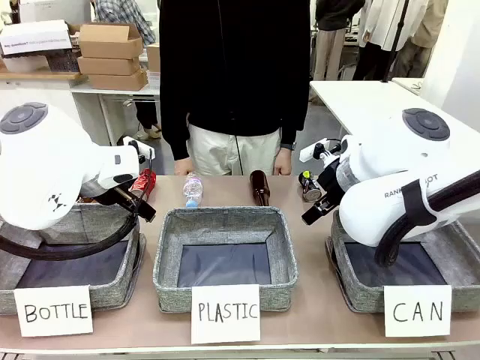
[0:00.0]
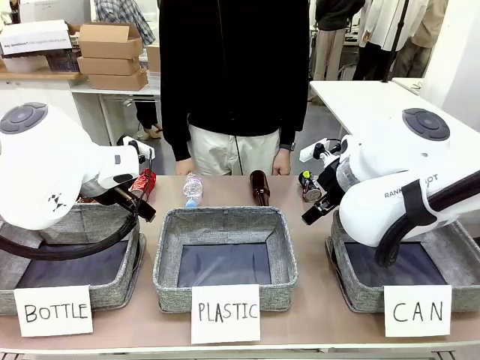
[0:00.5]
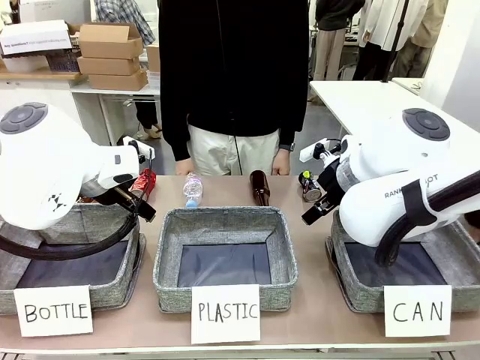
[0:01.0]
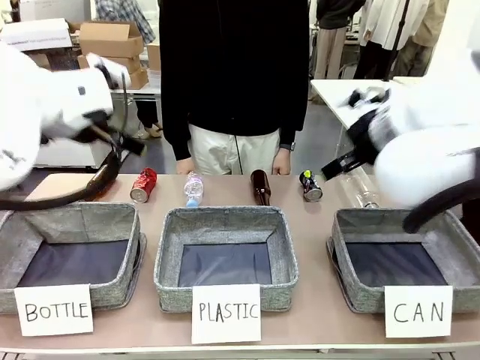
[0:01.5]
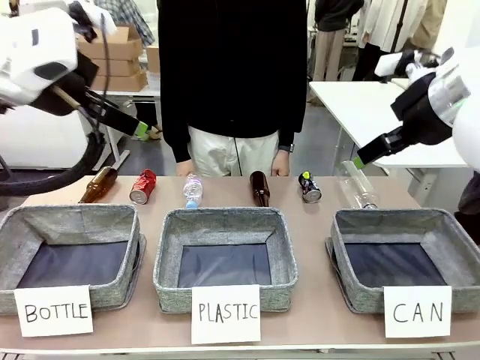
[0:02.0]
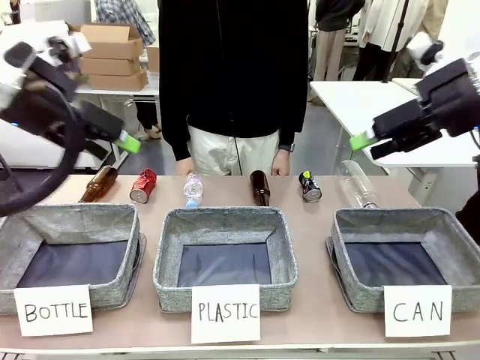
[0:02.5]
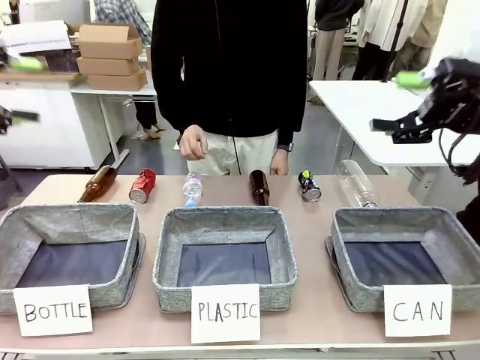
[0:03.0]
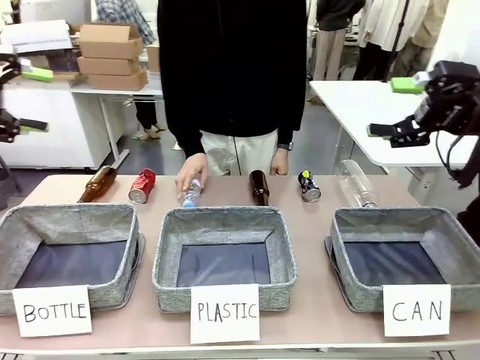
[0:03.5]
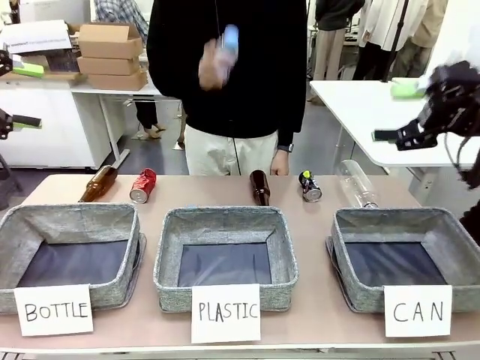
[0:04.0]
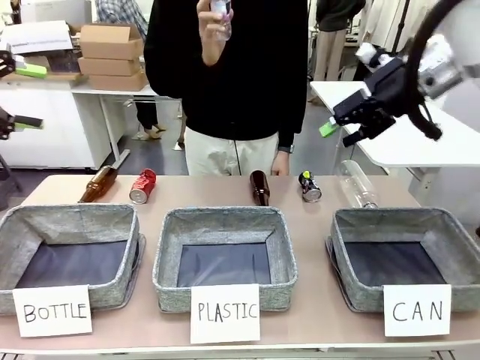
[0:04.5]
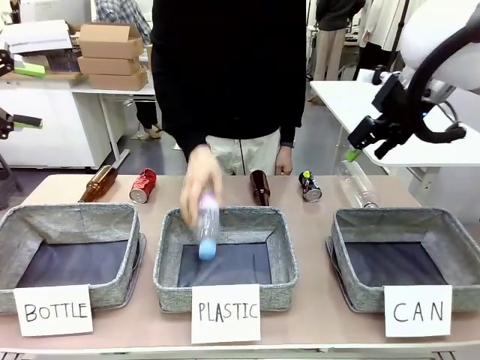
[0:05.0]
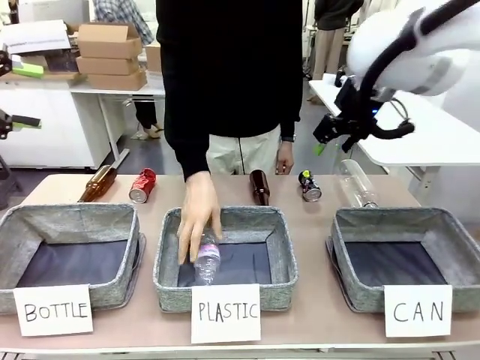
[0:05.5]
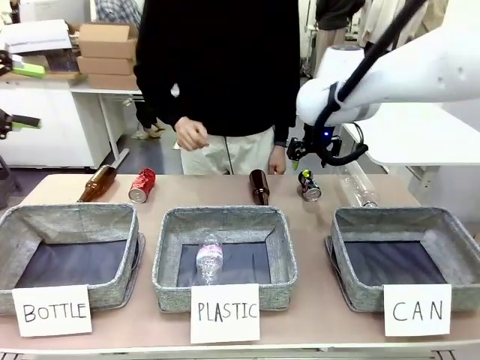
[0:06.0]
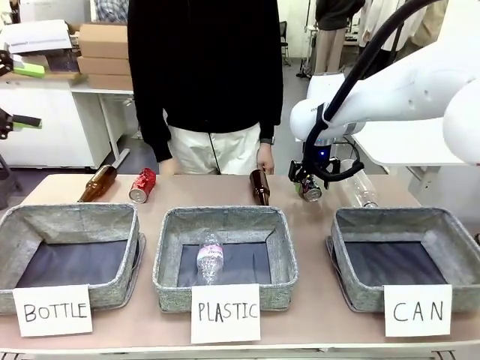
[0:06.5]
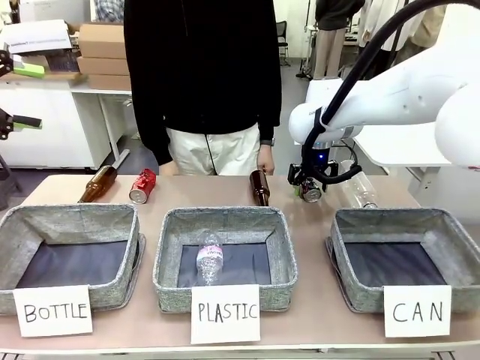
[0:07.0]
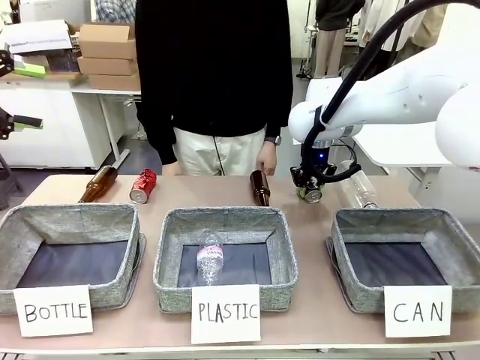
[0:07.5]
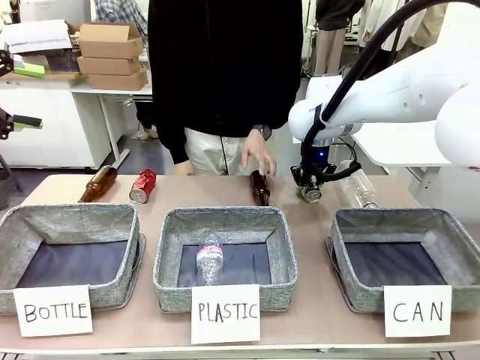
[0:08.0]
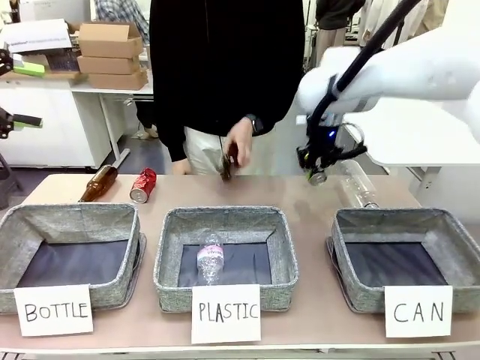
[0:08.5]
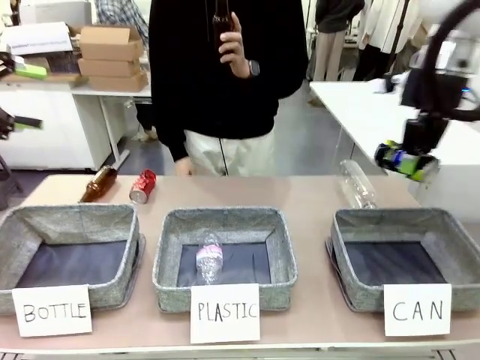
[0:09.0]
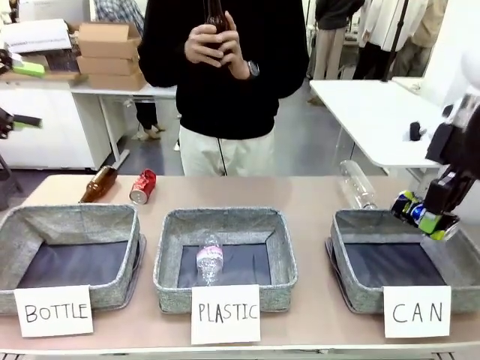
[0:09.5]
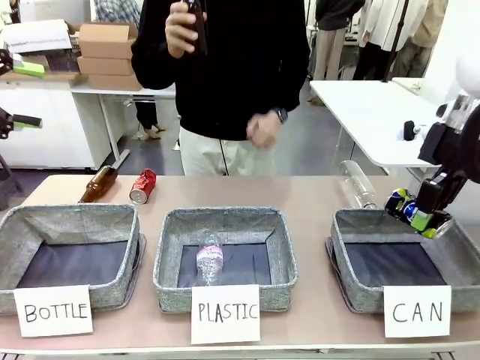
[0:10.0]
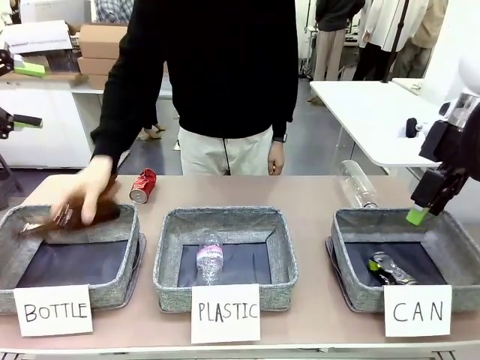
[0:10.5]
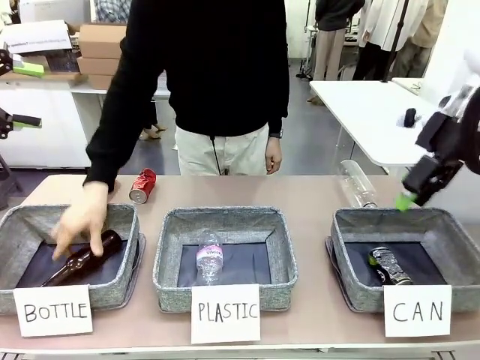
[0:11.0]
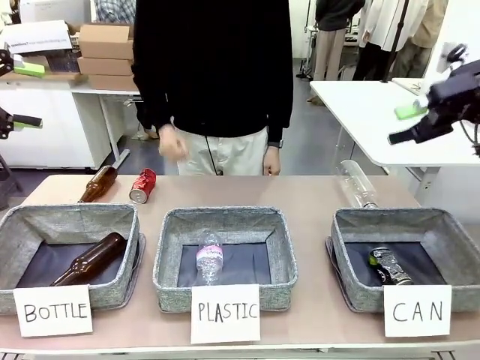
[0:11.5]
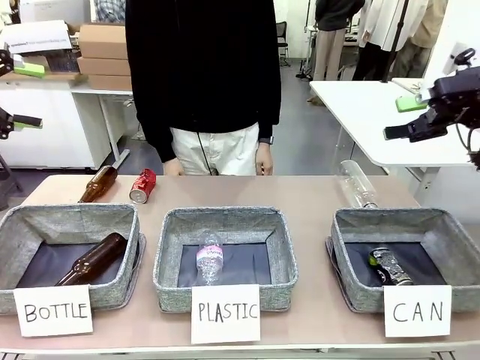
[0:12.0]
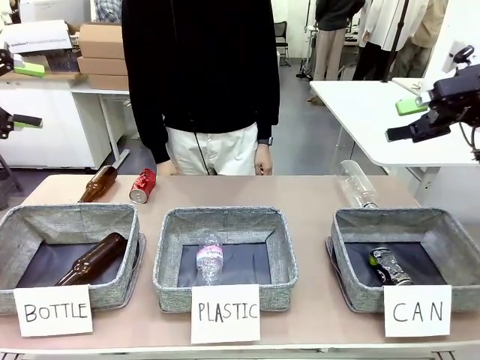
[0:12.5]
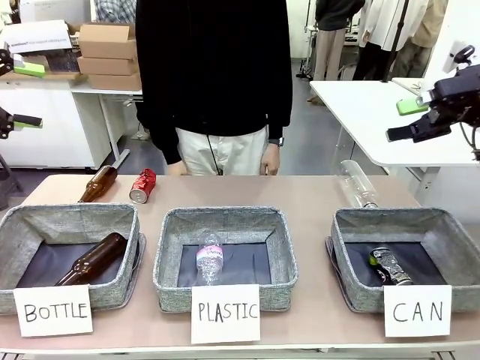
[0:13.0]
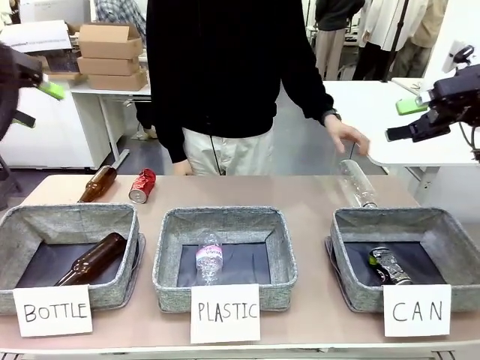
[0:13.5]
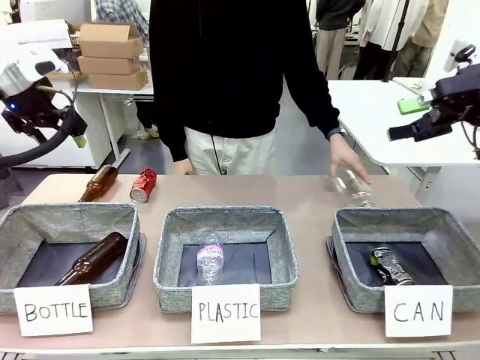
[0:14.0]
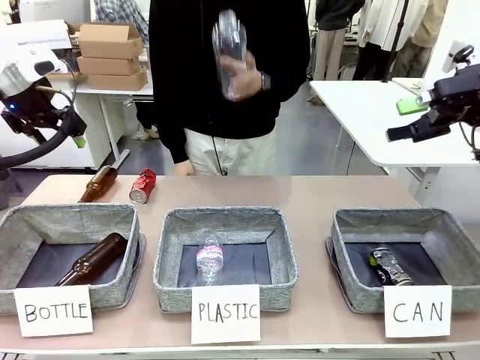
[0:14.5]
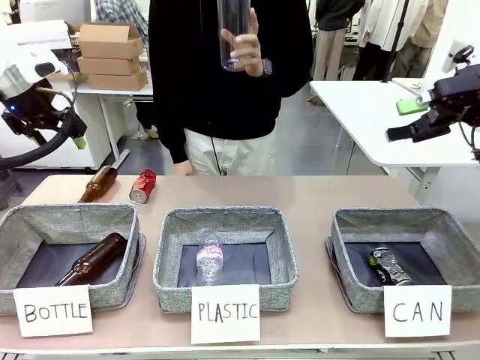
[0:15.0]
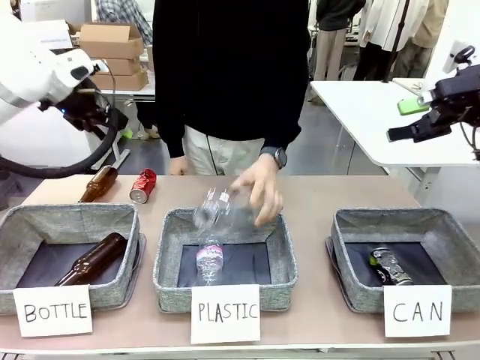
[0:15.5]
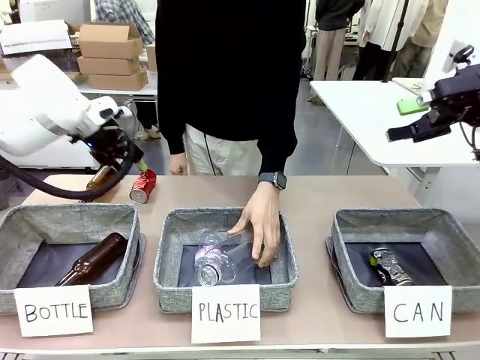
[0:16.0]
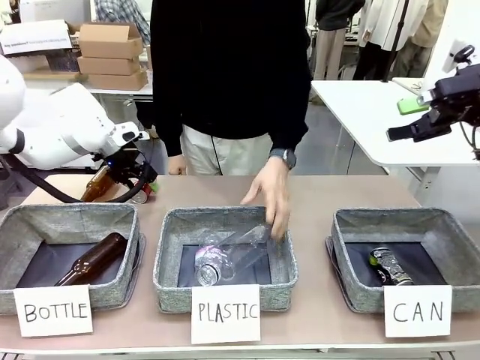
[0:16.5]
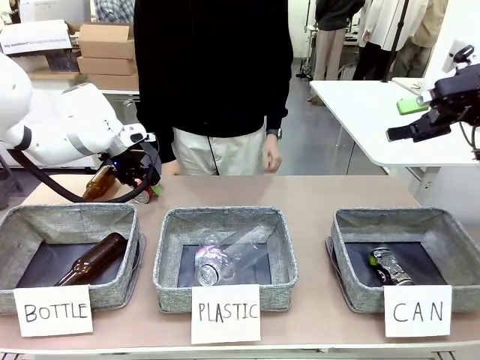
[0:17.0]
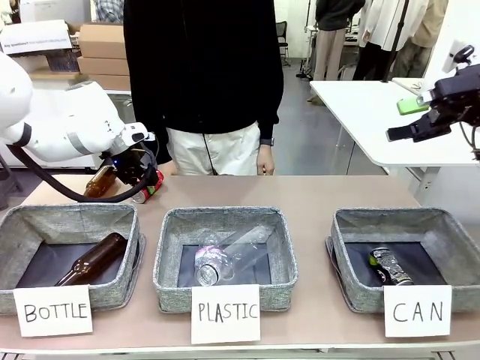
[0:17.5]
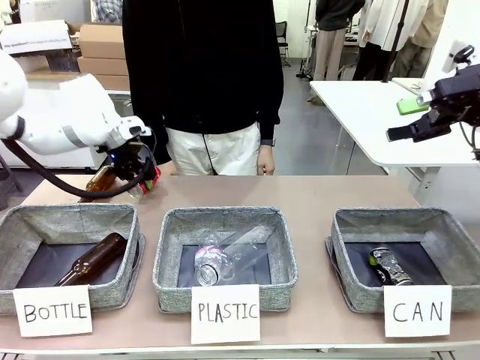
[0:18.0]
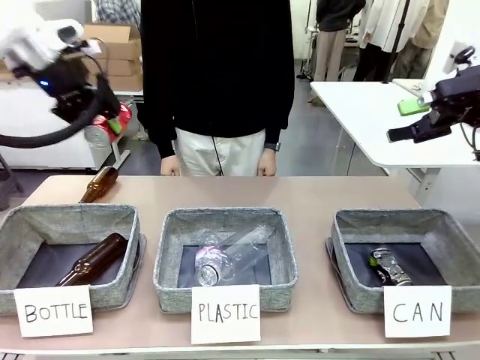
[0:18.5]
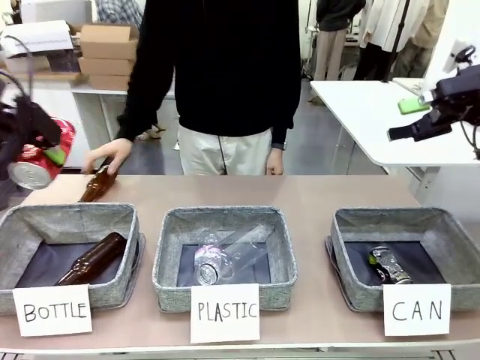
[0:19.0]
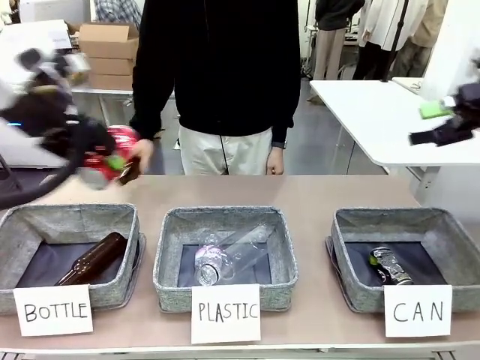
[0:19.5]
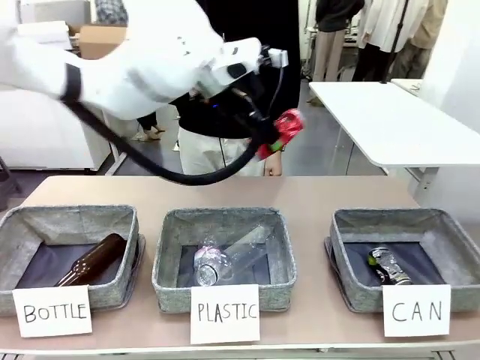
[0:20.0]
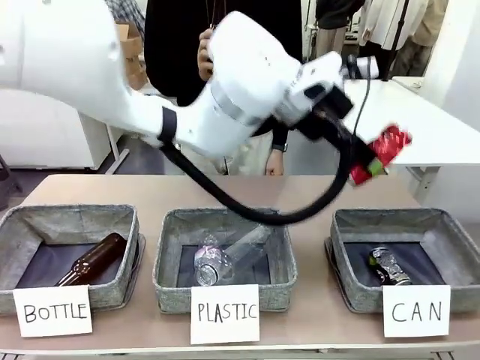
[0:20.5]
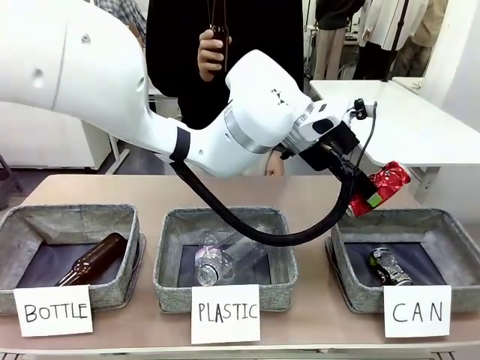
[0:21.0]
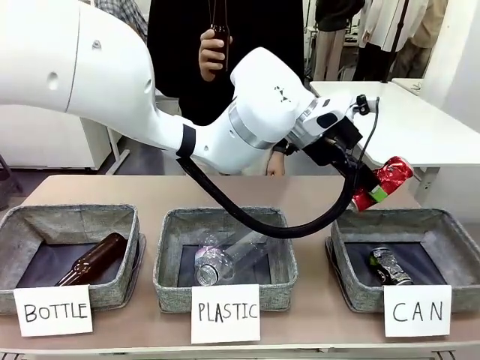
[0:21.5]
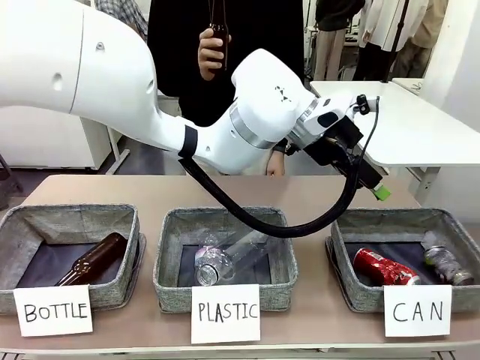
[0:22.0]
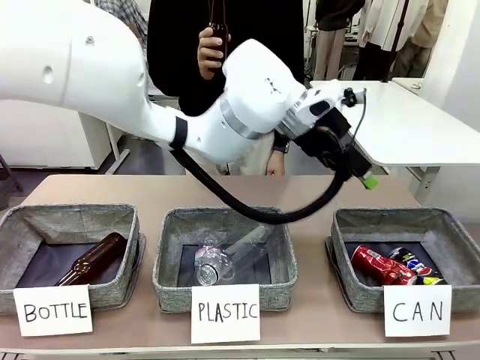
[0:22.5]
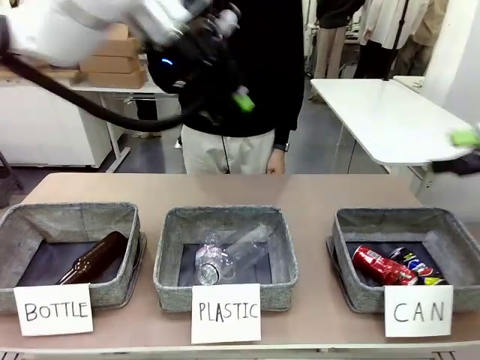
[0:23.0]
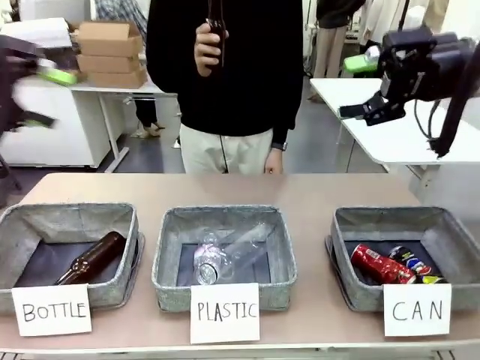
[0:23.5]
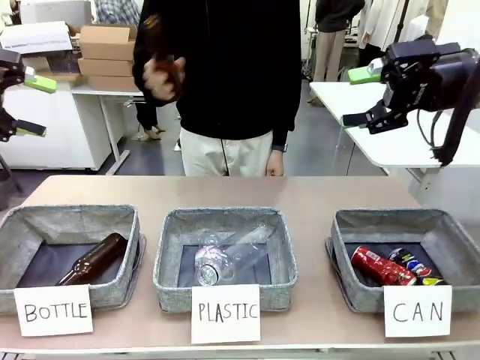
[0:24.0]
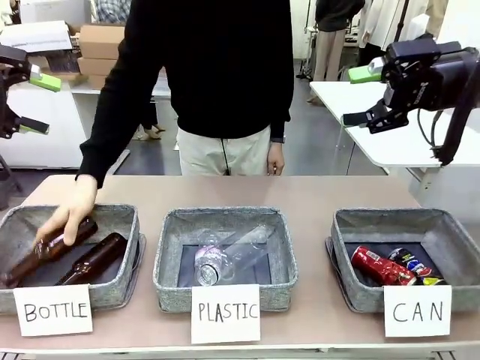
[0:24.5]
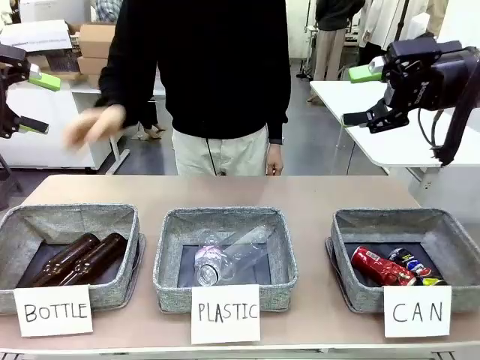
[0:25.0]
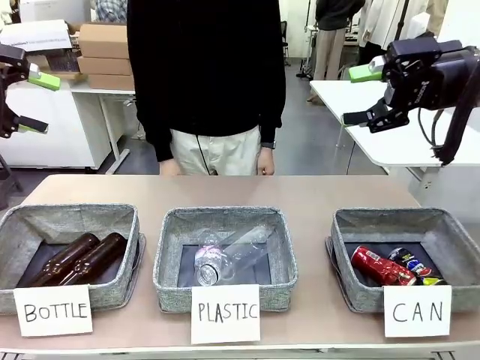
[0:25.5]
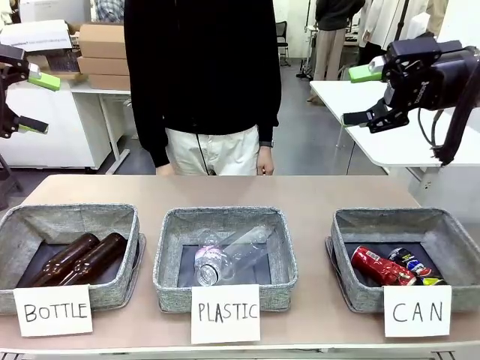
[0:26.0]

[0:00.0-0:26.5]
Task: Sort the can waste into the basket.
Robot: Pick up the can waste from the table and place it in the right Fabric basket.
Person: The human picks up one piece of trash that is not a can and places the trash into the appropriate organizing basket.
